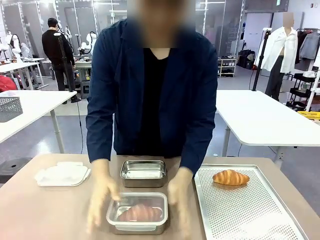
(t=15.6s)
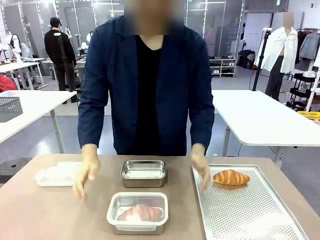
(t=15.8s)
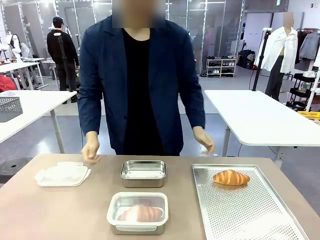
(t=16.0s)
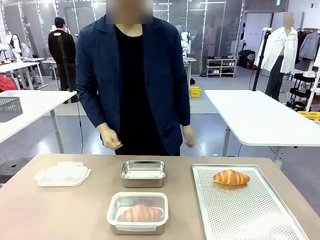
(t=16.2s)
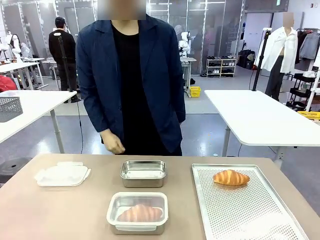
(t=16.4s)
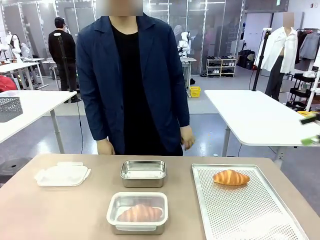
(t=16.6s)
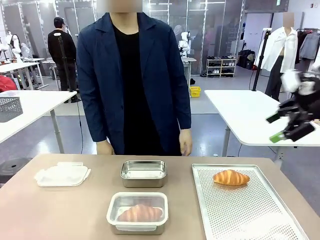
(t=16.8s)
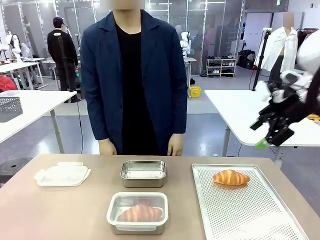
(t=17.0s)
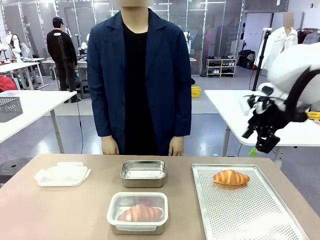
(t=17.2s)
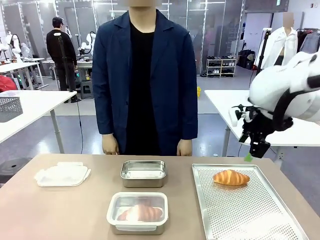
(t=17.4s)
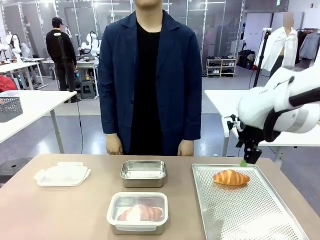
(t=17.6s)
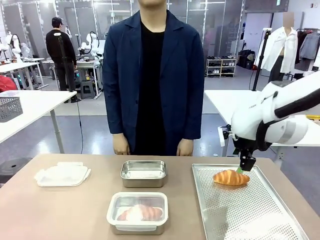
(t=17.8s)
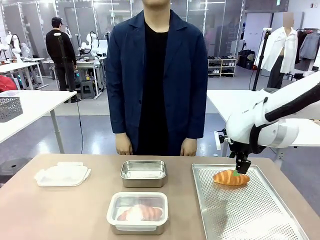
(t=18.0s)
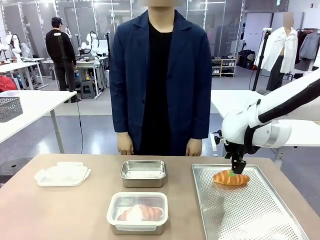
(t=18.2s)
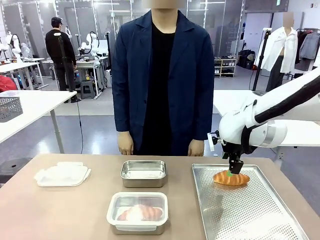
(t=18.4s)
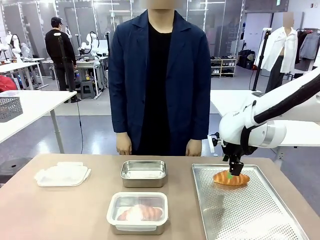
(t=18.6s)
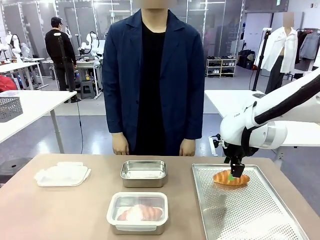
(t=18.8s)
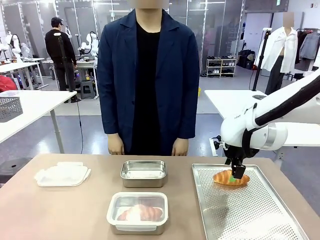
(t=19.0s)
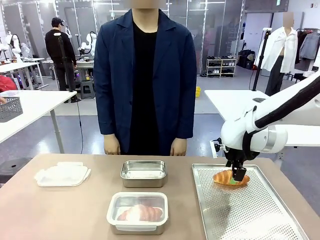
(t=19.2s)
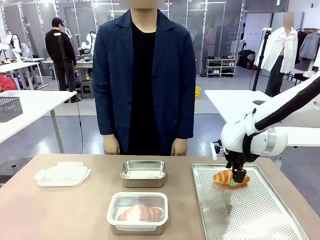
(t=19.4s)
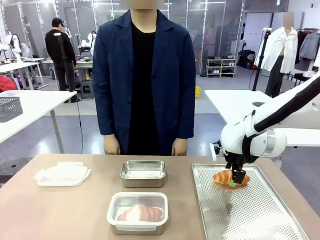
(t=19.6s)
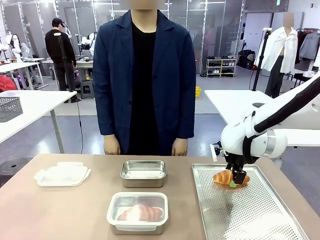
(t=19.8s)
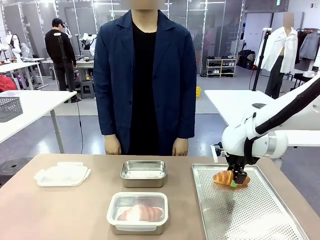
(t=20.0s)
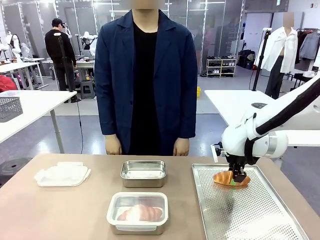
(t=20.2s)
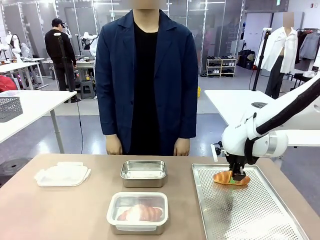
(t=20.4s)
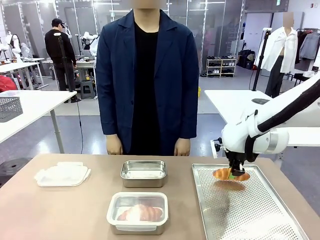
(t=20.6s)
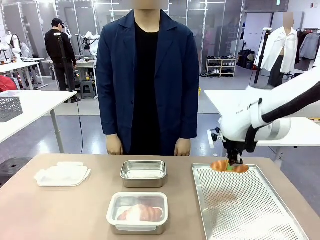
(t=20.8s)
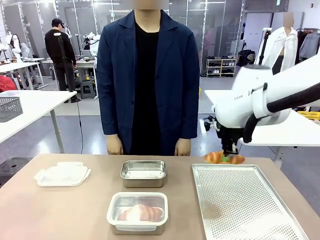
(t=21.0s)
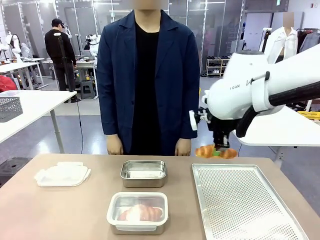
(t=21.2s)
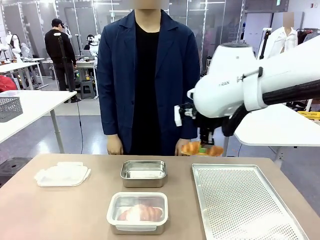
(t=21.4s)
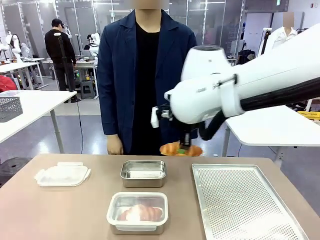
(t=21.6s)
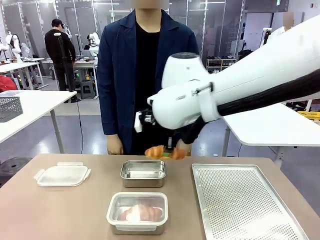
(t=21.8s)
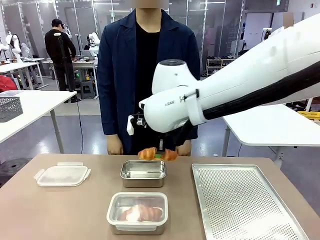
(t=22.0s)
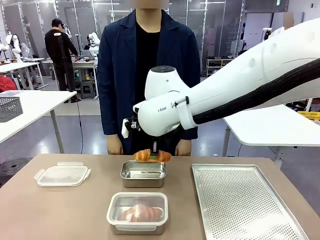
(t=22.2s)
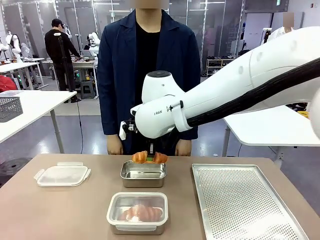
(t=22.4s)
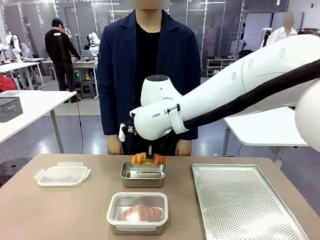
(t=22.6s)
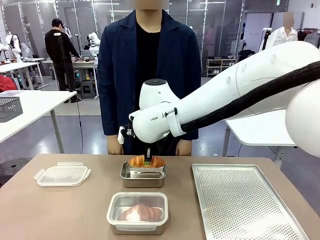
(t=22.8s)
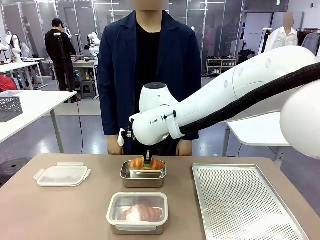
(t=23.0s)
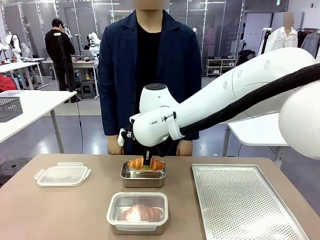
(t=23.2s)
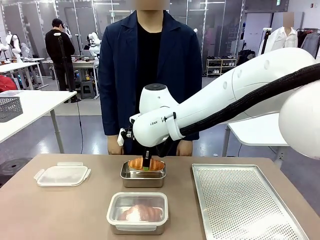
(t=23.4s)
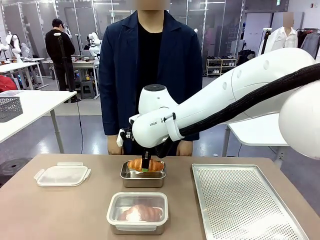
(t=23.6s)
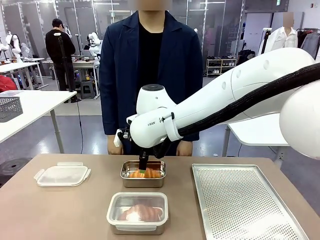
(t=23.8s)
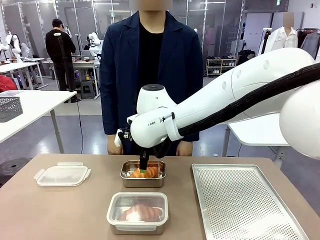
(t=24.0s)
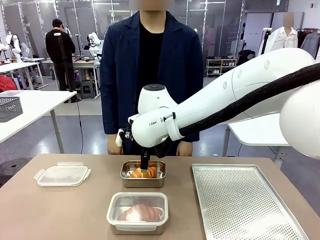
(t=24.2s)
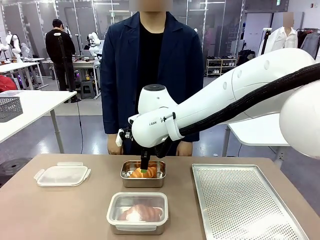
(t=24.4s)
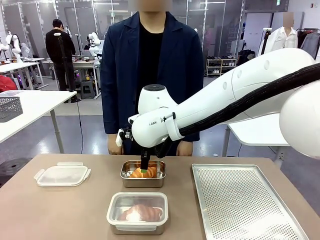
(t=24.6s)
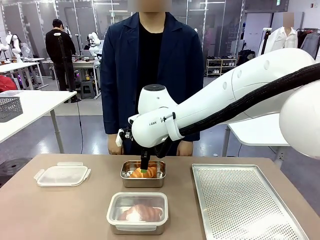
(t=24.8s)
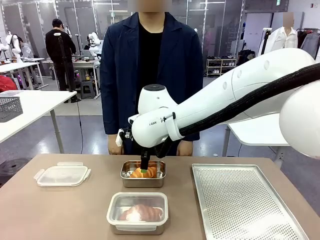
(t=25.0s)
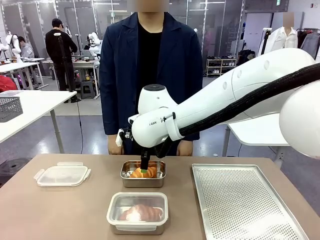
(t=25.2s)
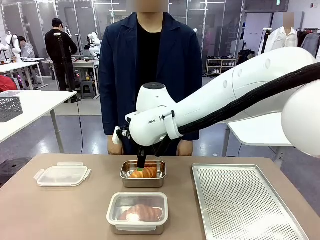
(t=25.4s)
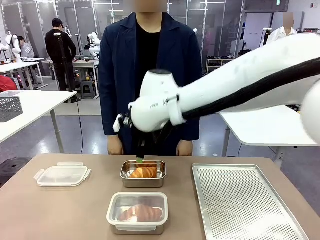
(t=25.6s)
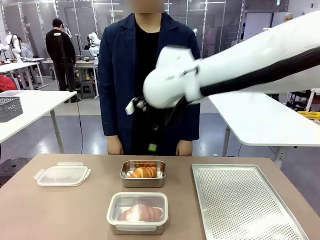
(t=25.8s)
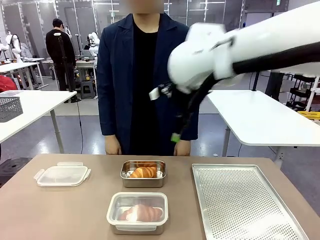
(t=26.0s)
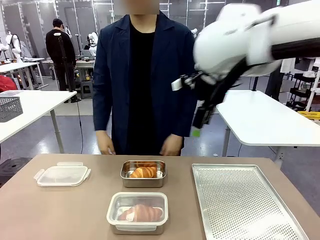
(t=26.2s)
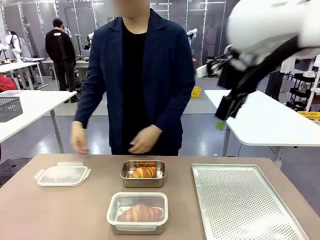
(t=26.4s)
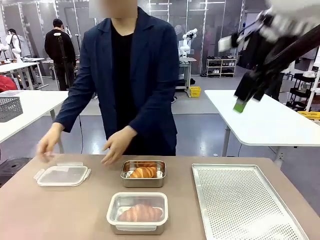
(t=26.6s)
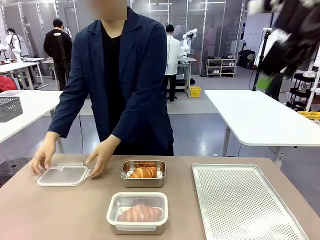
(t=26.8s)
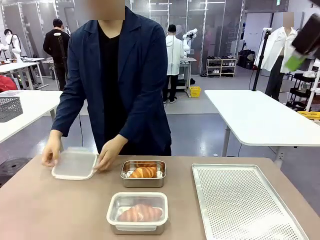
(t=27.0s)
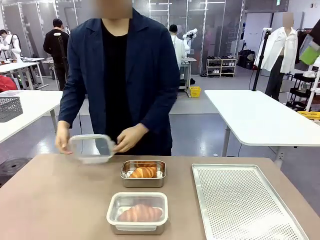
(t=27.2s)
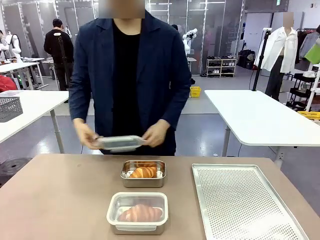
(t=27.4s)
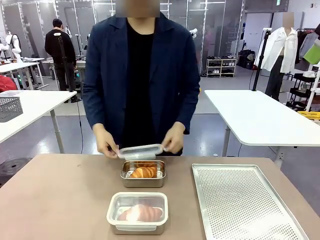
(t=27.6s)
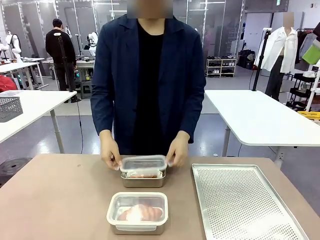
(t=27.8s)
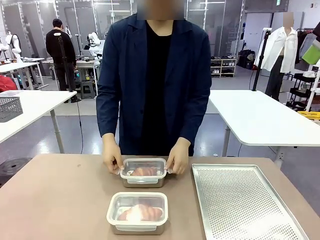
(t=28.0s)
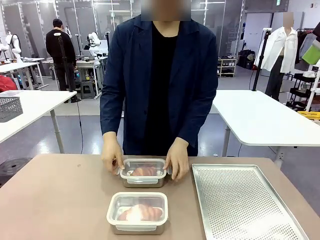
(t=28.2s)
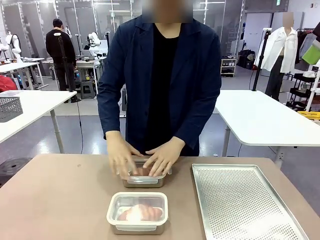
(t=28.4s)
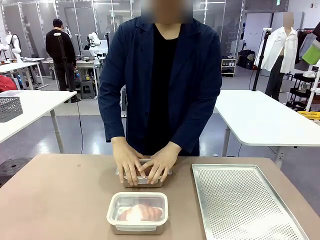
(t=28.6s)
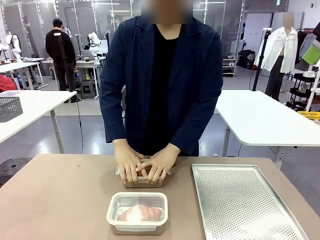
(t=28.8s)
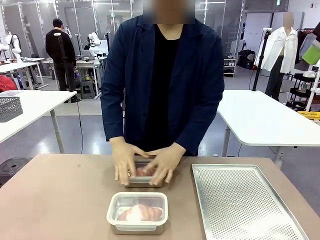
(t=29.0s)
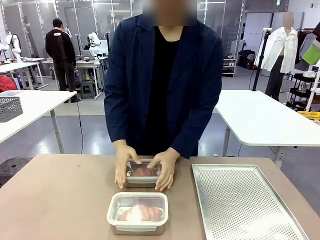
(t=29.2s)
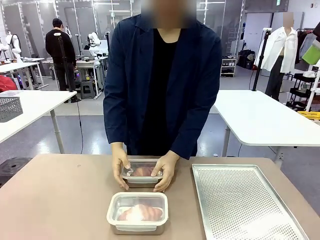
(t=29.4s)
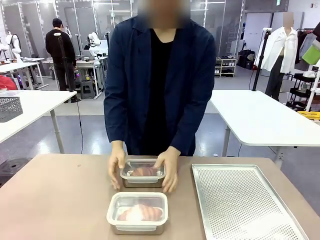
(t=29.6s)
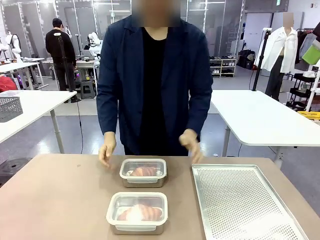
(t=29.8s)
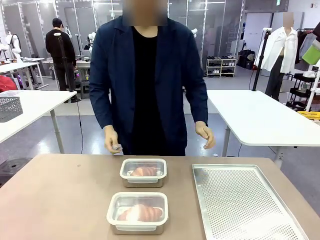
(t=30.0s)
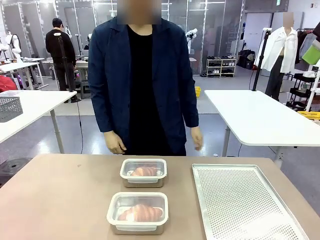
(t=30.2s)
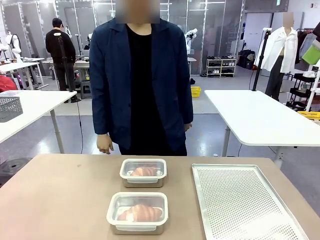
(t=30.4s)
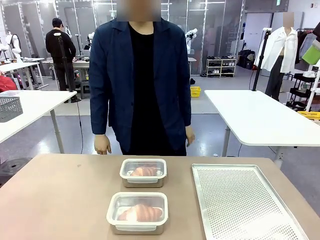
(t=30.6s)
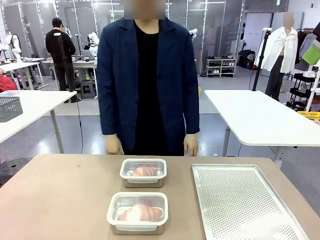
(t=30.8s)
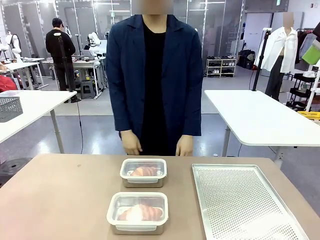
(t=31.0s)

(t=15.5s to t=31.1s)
Task: Place the bread into the airtight container.
Robot: Pick up a Butter Roll and place it into an empty Airtight Container.
Person: Once a Butter Roll is inside an Airtight Container , close the lid of that Airtight Container.
